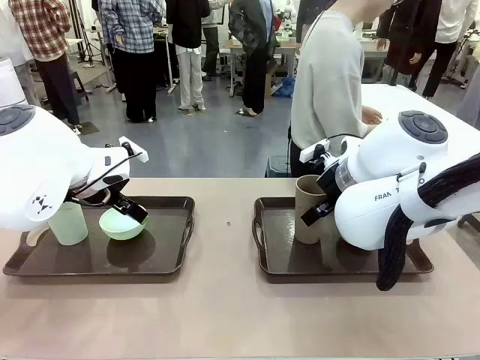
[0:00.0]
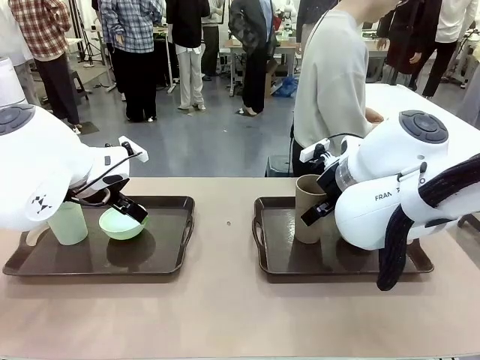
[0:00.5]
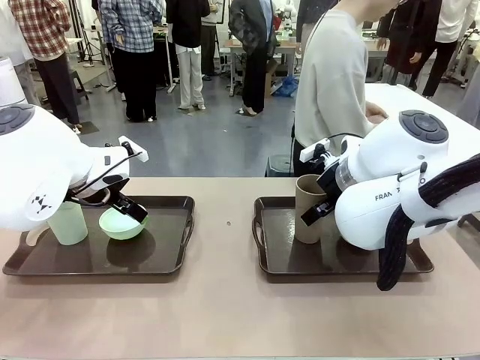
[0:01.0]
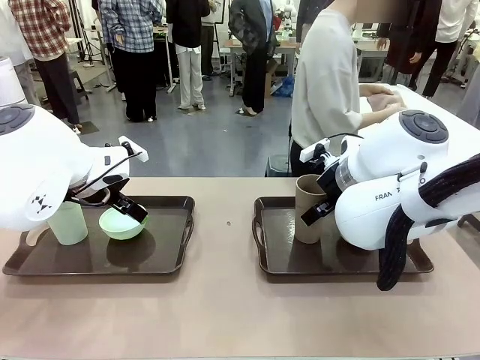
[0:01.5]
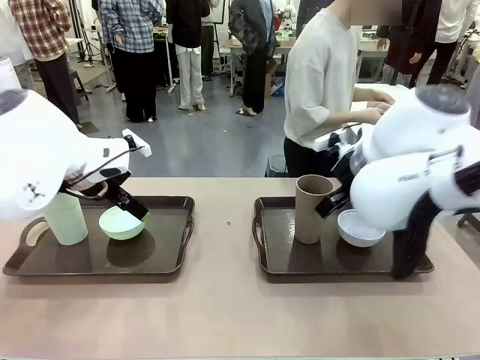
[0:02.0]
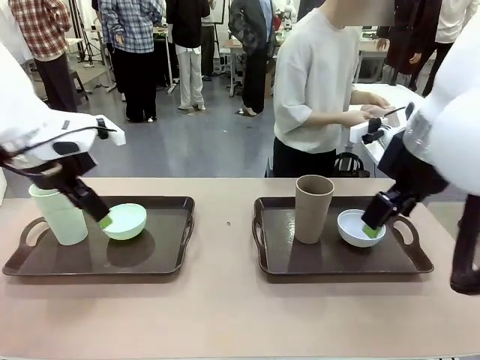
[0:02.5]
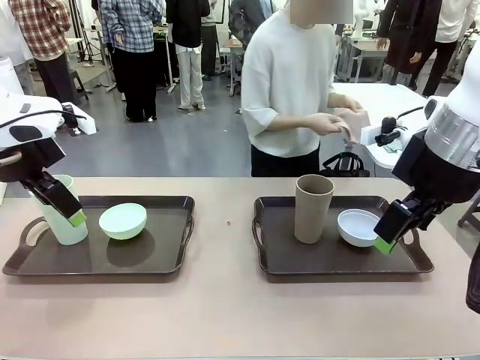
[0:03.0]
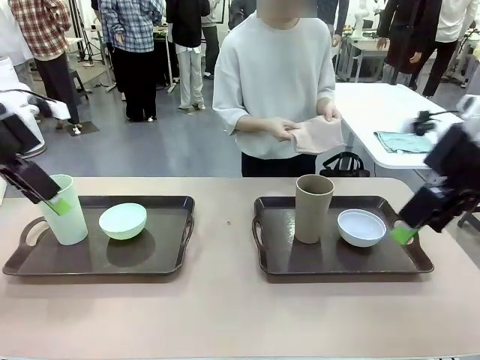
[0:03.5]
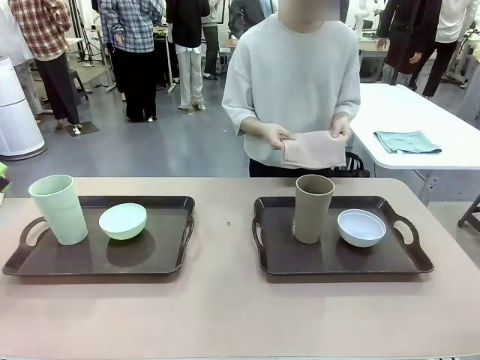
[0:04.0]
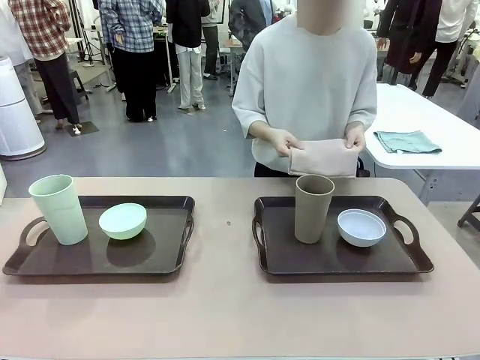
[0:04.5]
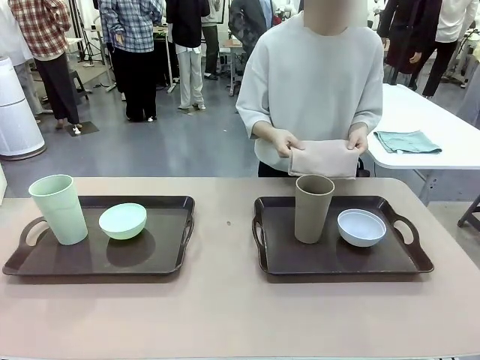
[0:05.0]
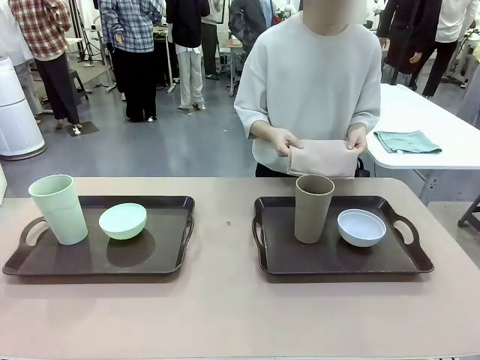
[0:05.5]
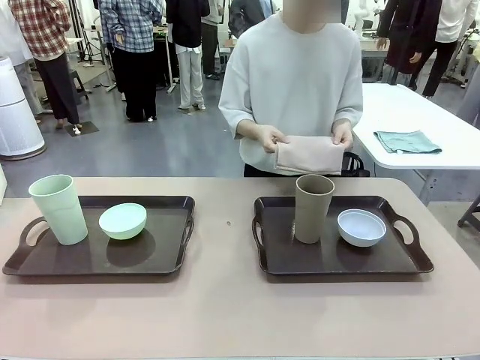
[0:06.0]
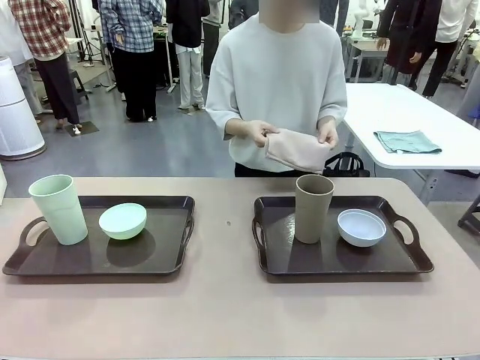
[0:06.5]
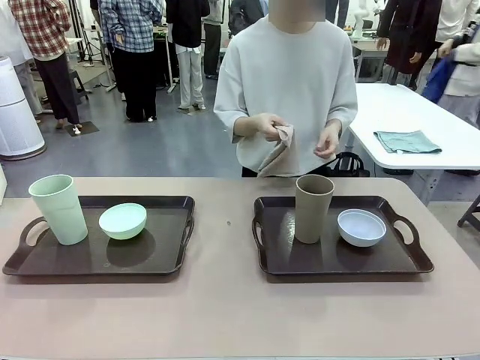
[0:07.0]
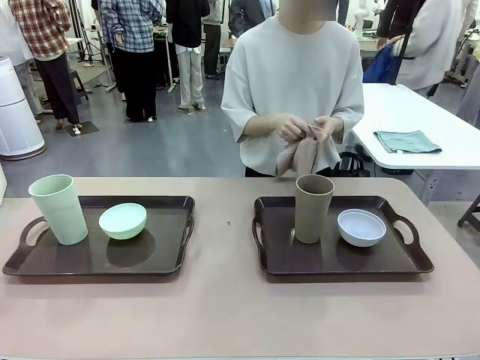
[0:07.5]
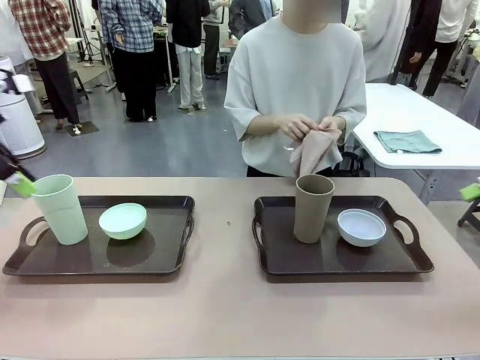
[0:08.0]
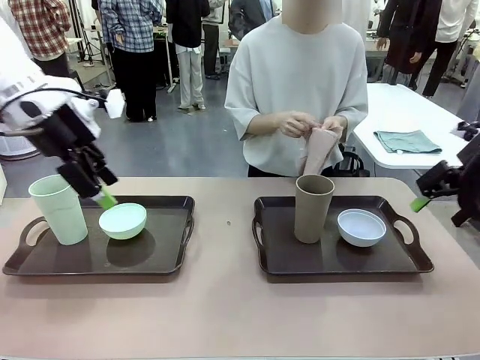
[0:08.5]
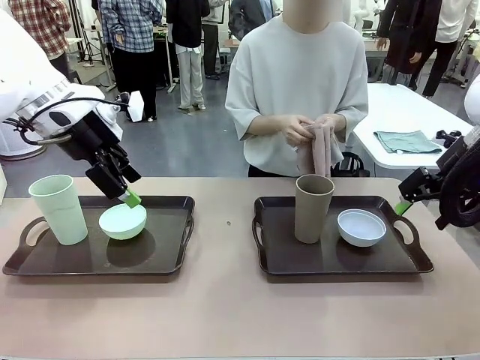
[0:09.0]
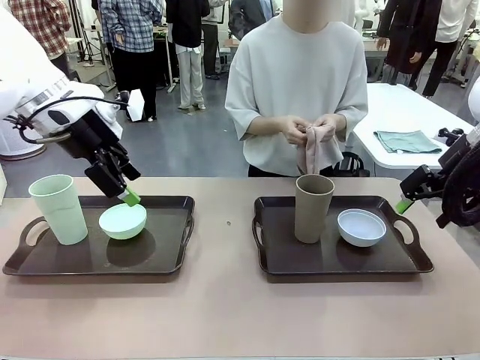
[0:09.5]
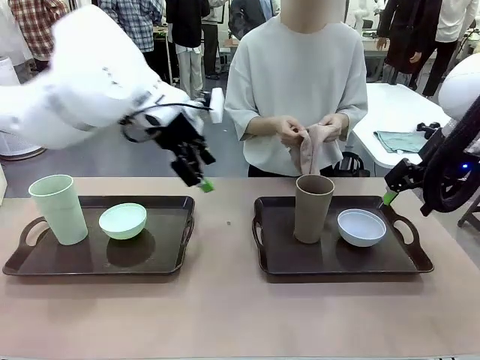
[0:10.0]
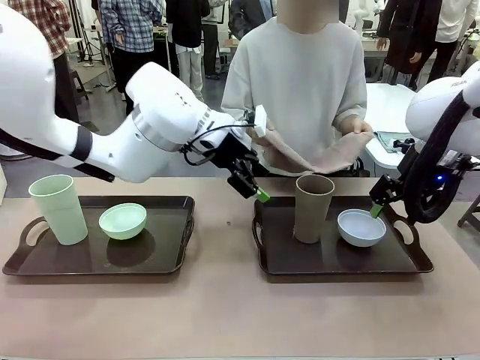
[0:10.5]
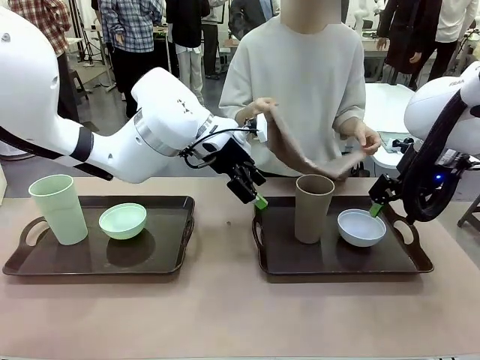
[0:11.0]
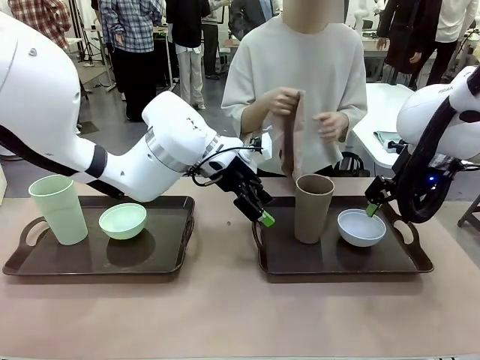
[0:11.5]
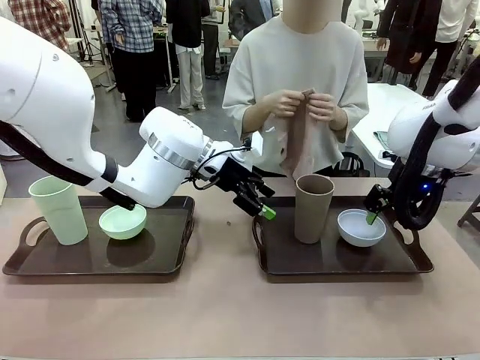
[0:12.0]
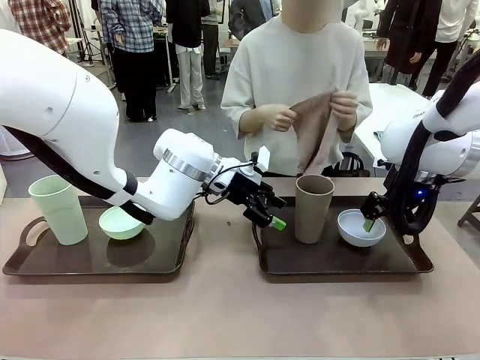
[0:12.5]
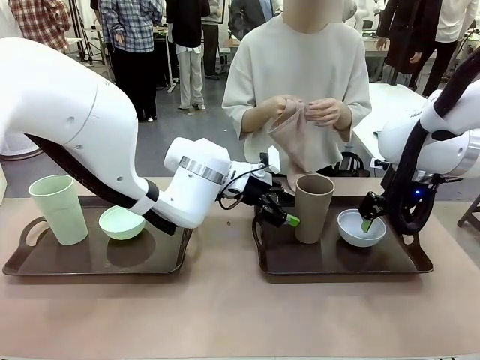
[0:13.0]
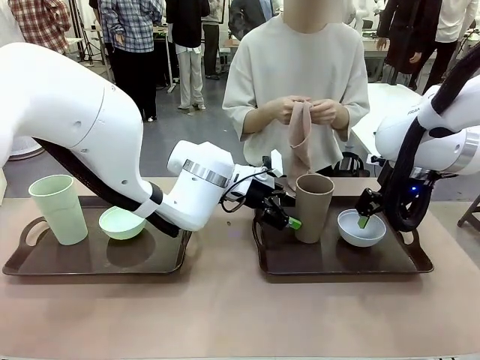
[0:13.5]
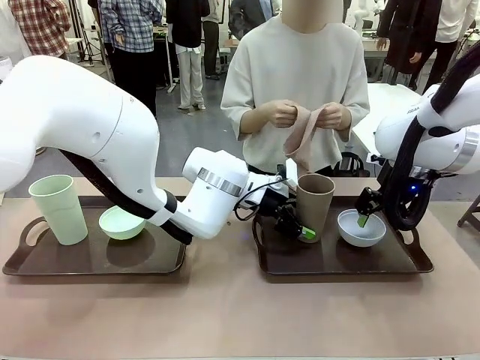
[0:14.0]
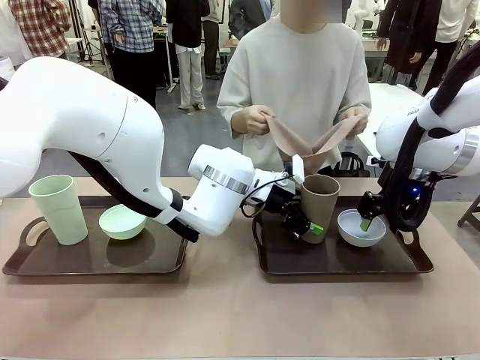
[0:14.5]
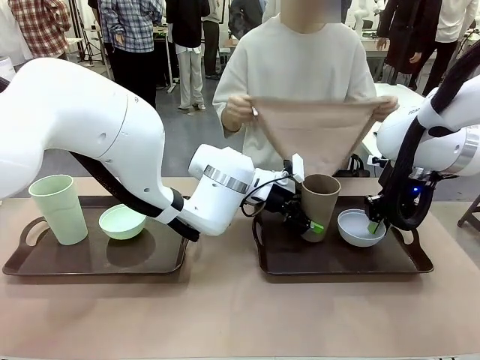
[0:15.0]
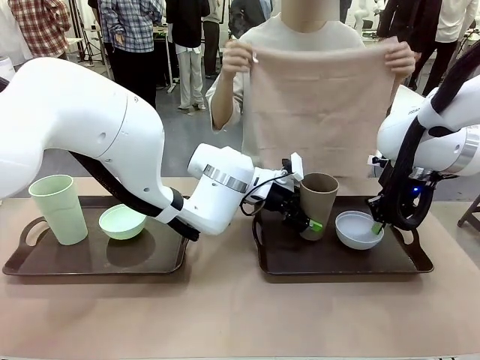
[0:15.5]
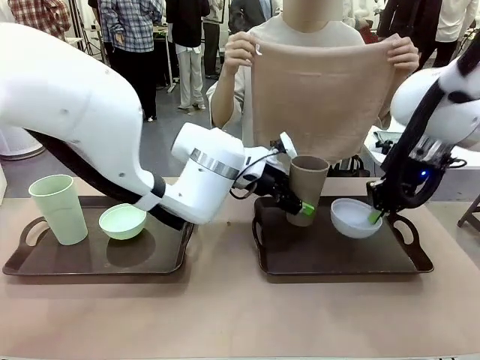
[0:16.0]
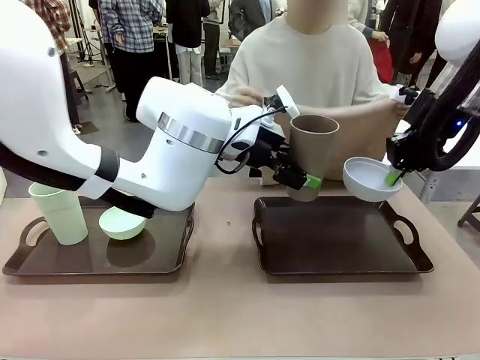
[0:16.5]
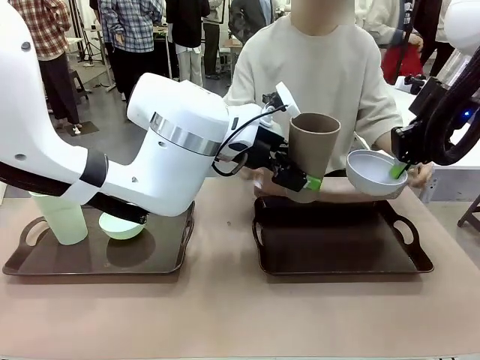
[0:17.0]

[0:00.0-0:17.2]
Robot: Pick up the Picnic Bowl and Reusable plastic cup from the Handle tray in front of the human's position and hold them in the air.
Person: The human picks up the top napkin from the stack on the human table and walks to the robot table to stand in front of one of the two trays. When the robot lifts the bowl and the cup, the human unfolds the napkin and lays the napkin flat on the tray.

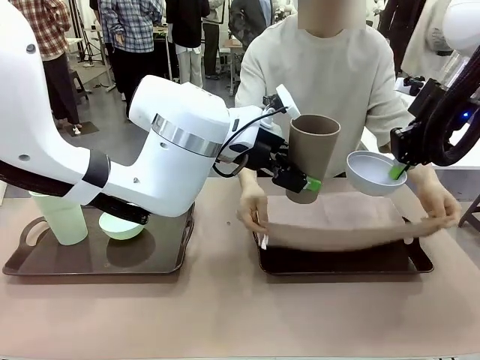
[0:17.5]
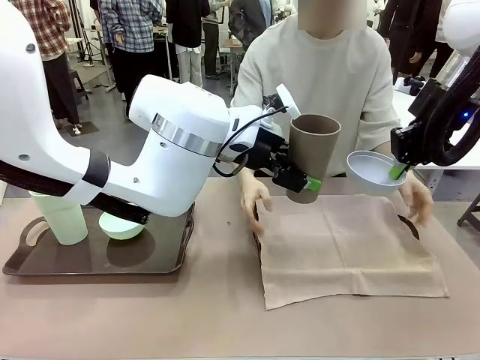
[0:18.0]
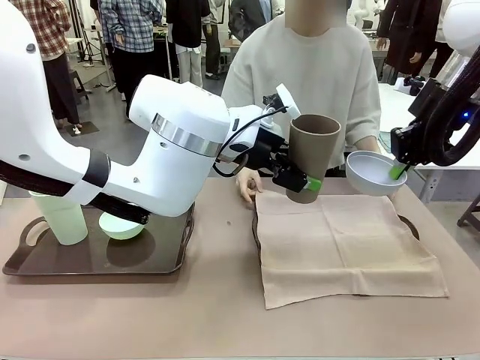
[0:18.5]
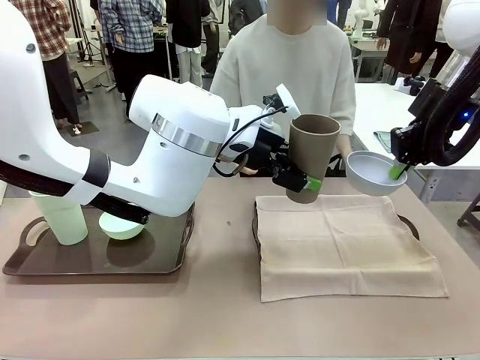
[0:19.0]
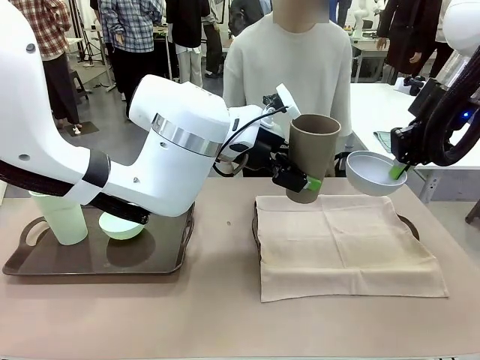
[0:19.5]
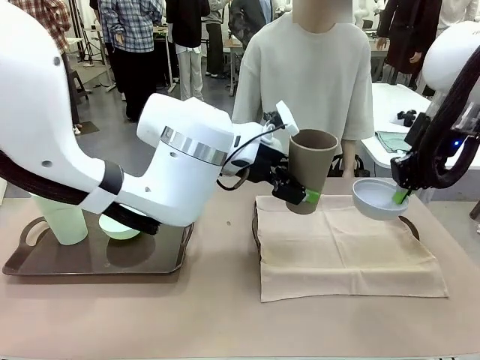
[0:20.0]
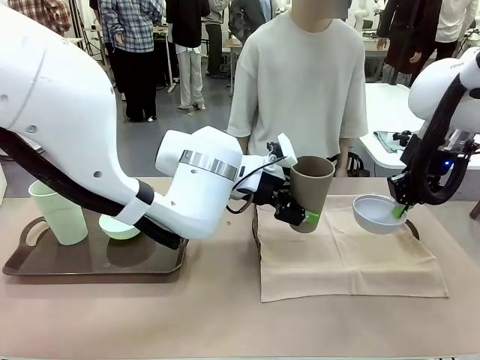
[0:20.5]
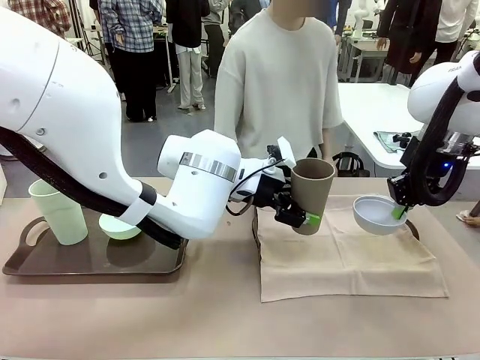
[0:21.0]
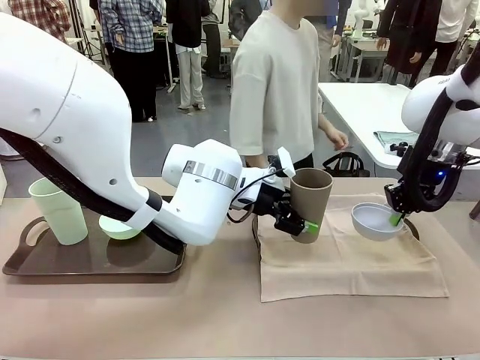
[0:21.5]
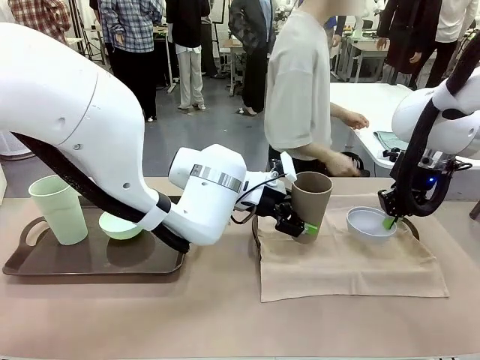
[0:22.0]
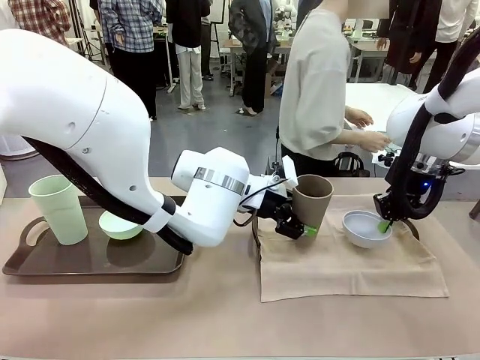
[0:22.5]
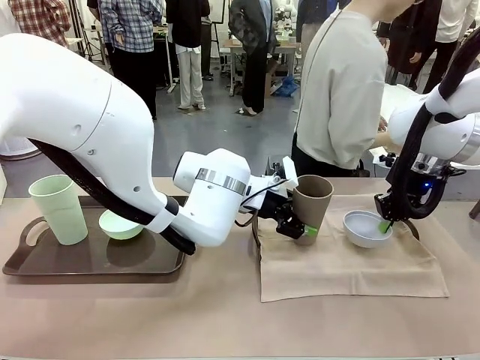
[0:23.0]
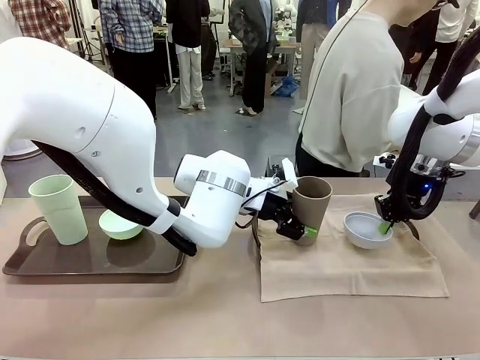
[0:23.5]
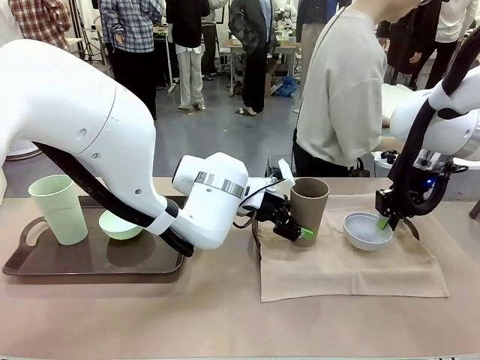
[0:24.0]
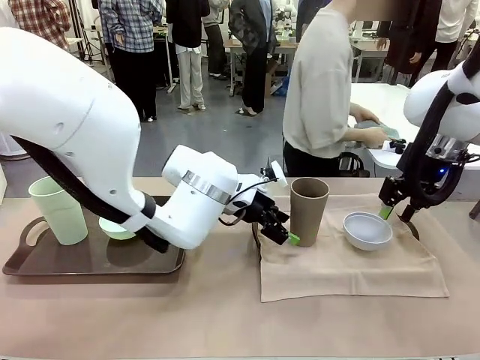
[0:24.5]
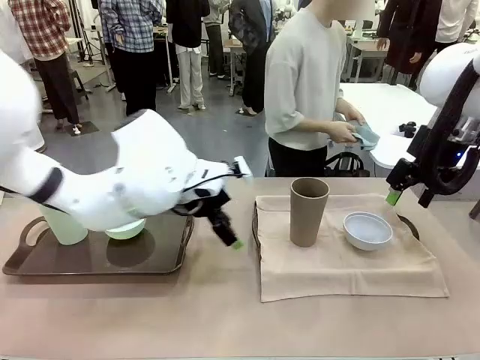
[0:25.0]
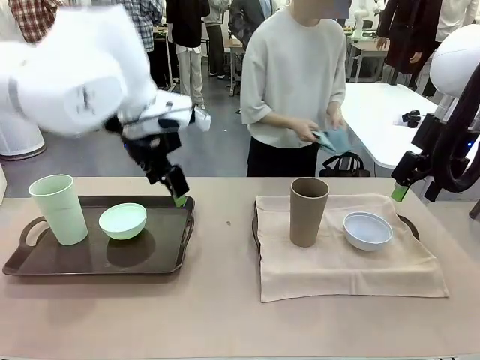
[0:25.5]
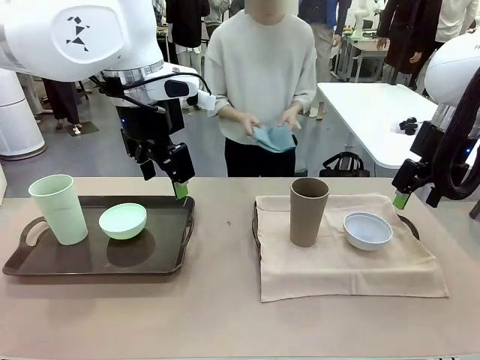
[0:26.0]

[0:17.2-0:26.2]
Robot: Place the Picnic Bowl and Reusable plastic cup back onto the Handle tray in front of the human's position.
Person: The human returns to the human table to pick up another napkin and walks to the robot table to stand in front of the tray without a napkin.
